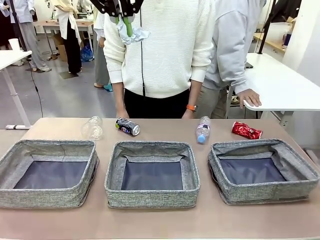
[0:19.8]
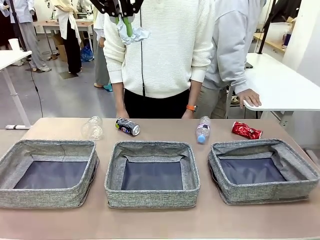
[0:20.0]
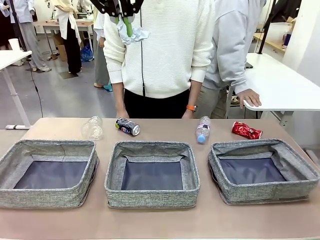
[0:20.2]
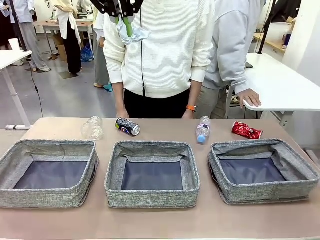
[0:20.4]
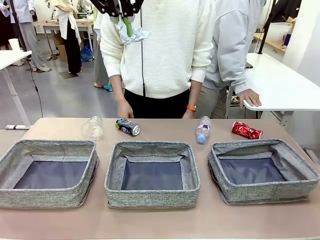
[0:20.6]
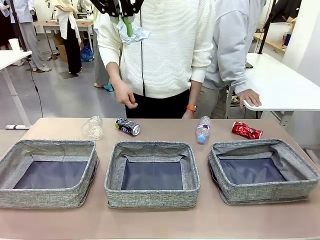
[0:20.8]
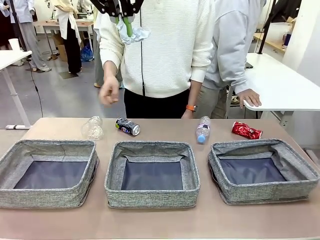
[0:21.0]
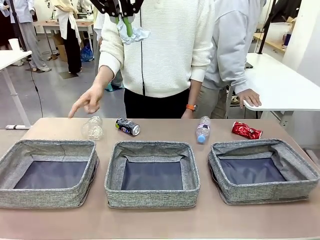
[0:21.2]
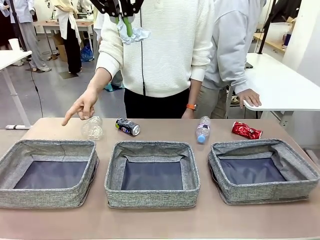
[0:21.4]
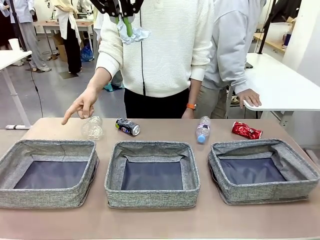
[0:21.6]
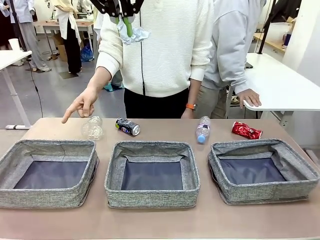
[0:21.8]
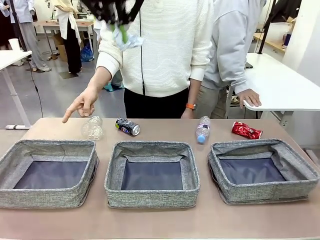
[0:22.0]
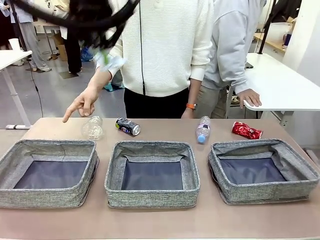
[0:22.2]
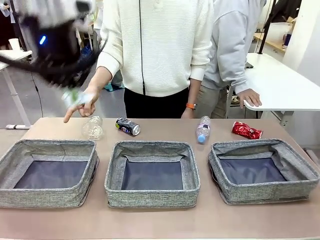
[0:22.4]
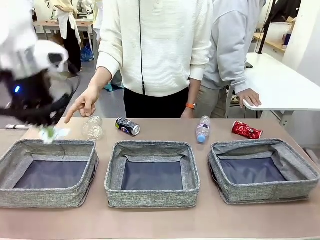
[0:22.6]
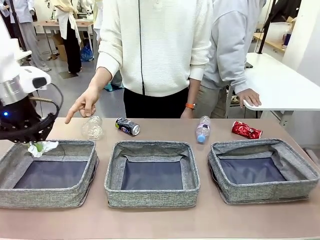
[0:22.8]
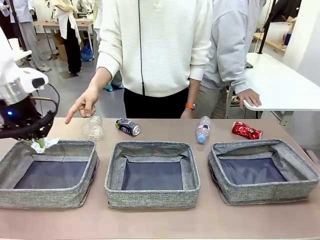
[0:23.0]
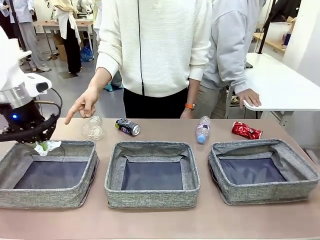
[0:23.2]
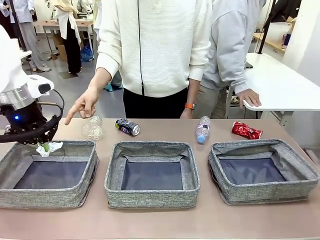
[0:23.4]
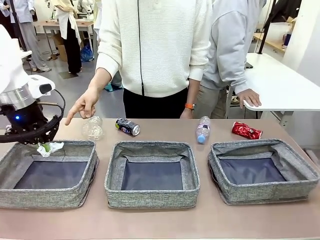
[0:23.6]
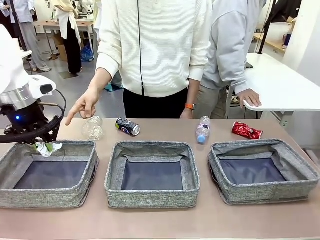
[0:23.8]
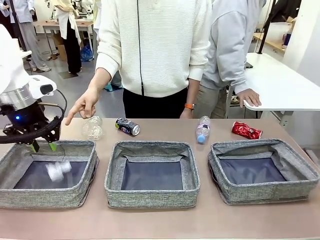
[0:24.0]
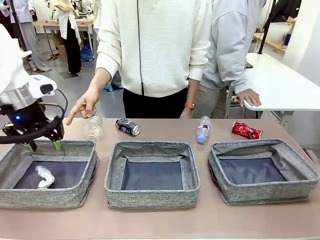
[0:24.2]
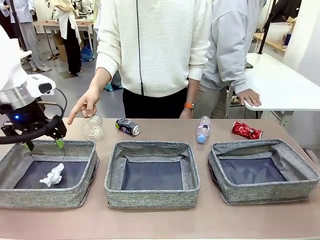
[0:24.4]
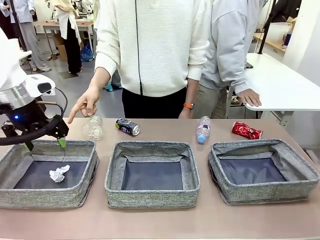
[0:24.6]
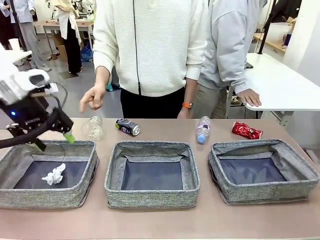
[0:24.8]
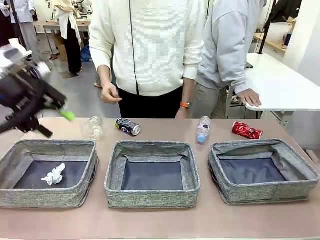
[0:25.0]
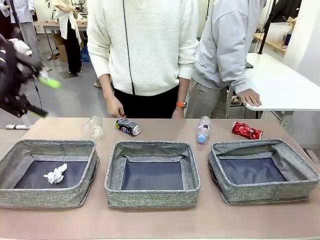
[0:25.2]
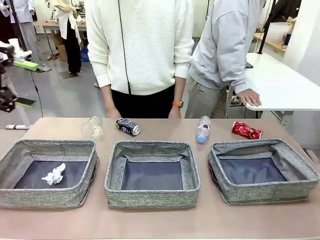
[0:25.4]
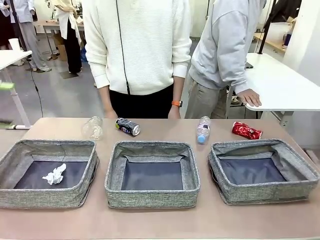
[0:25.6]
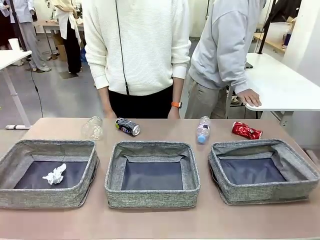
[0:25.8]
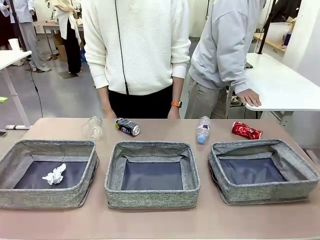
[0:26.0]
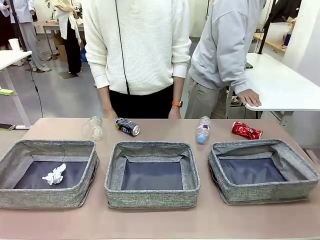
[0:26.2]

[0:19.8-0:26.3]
Task: Sort the waste into the appropriate baskets.
Robot: Place the picked waste into the Fabric basket indicated by the person.
Person: Instructs the robot to place the picked-up trash into the appropriate organizing basket.

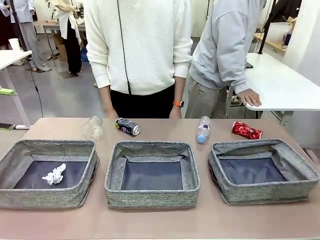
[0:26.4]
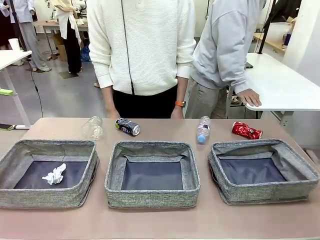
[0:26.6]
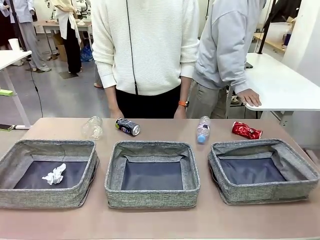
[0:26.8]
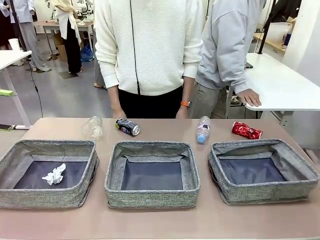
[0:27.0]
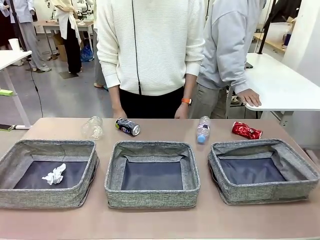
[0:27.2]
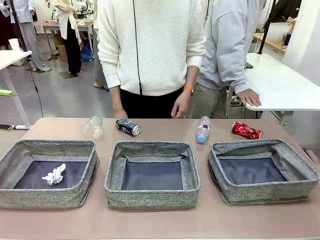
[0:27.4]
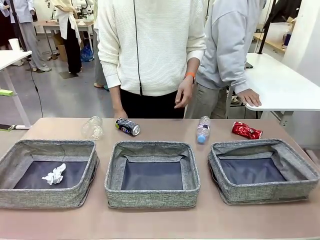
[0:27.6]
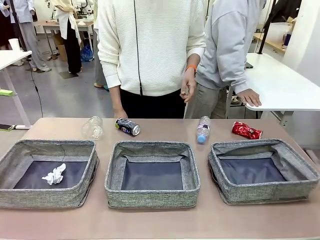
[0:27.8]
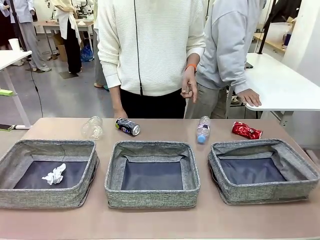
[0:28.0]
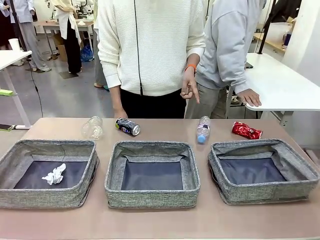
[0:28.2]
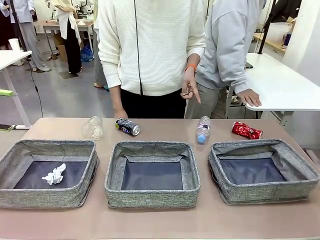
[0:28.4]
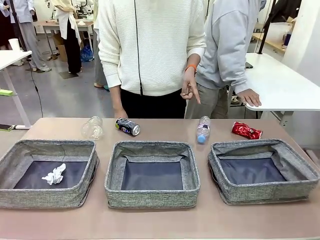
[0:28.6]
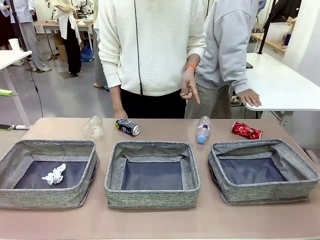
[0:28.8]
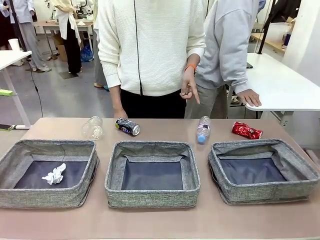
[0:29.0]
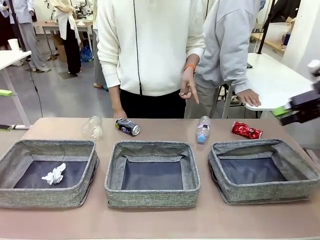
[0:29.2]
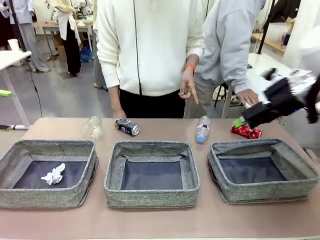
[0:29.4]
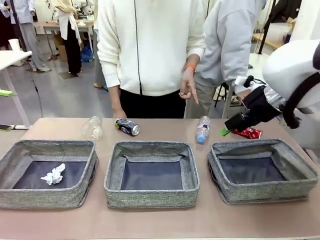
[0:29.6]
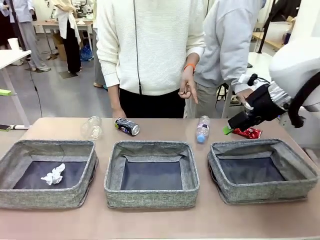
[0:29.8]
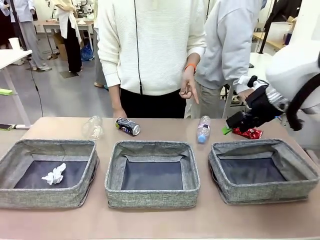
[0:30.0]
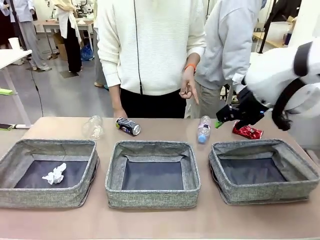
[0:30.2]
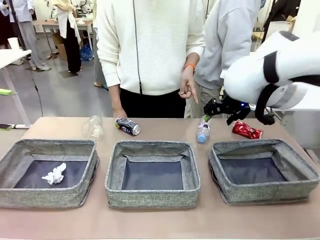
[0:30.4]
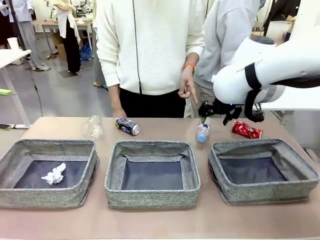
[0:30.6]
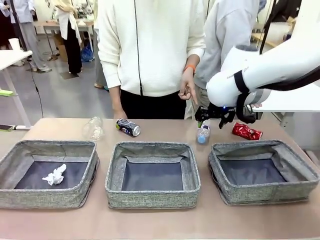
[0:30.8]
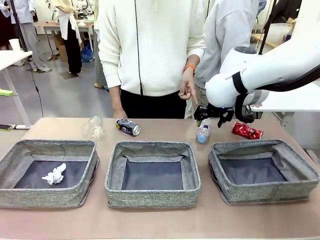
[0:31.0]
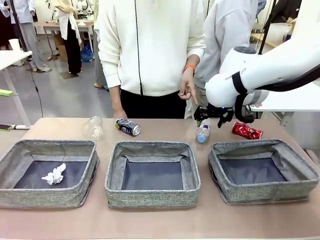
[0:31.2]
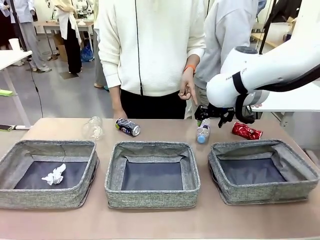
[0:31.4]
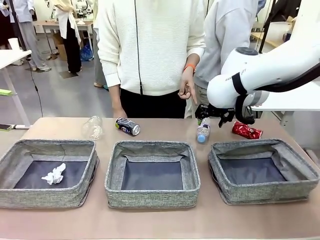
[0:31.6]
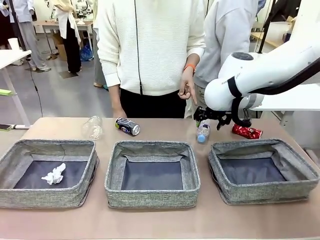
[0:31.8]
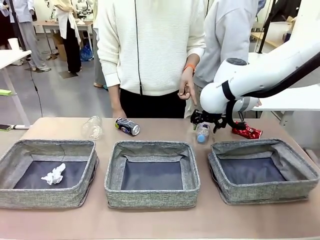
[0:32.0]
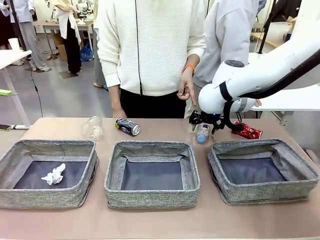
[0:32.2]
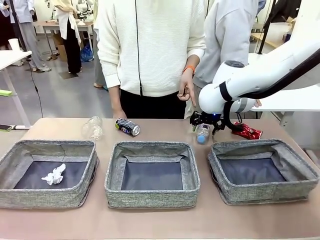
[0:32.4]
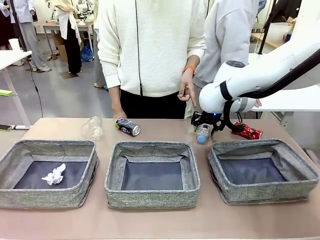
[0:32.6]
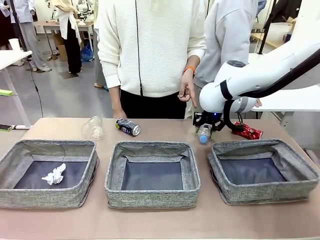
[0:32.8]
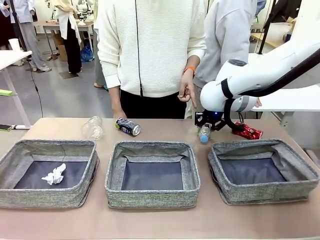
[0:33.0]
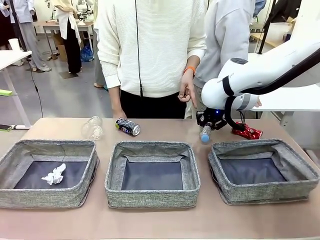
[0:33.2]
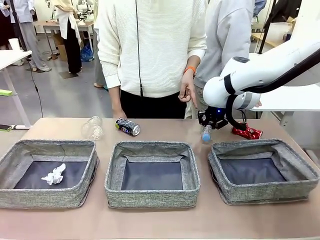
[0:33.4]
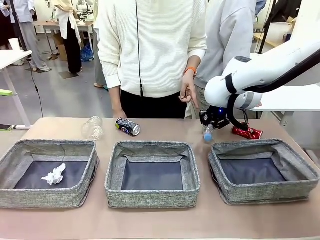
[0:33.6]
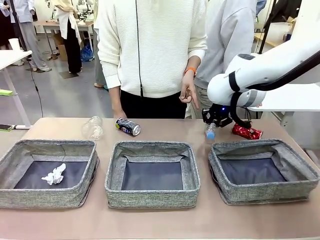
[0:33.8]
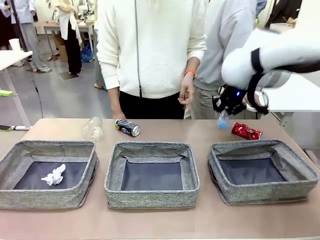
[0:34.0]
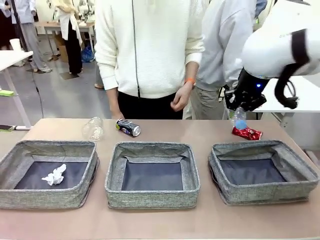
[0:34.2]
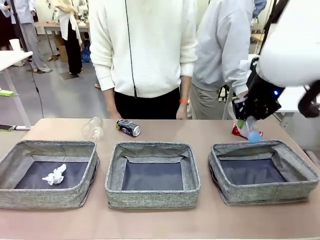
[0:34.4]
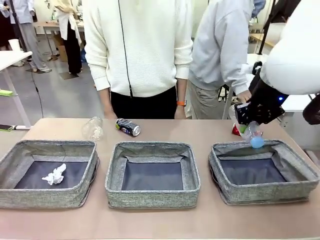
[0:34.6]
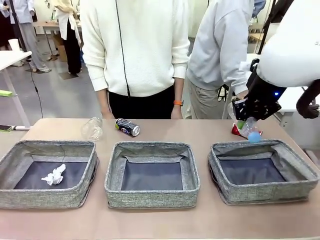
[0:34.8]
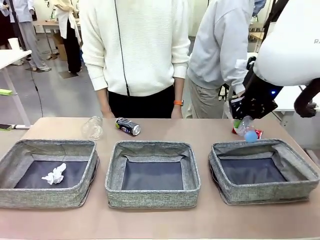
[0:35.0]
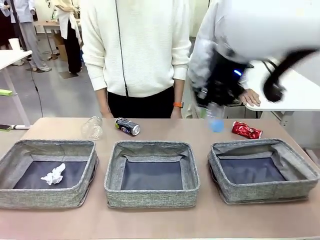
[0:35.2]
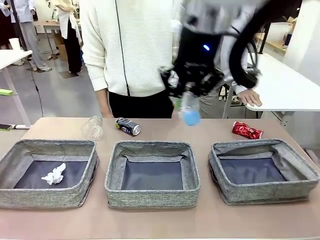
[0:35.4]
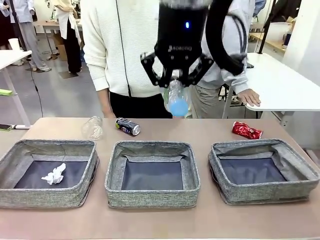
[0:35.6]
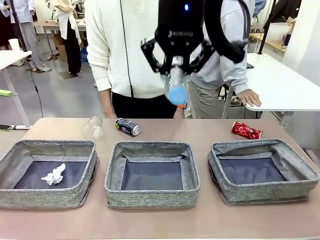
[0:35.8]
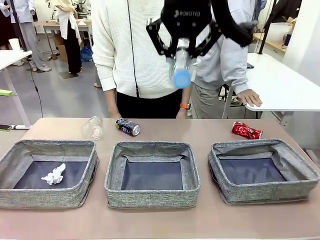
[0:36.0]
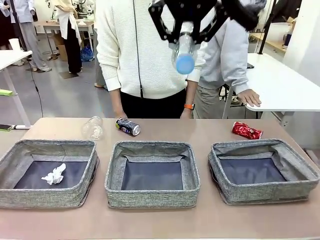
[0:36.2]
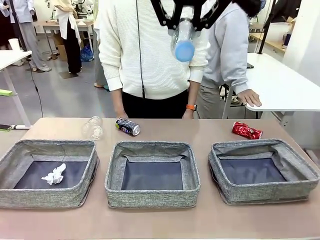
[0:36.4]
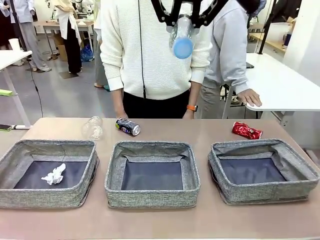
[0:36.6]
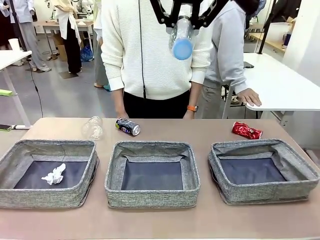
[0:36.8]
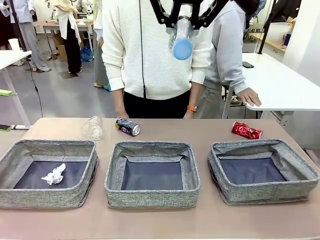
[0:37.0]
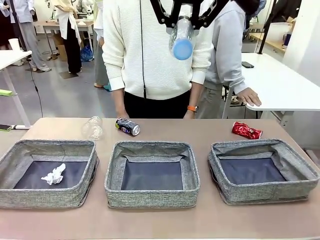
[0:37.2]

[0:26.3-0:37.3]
Robot: Pick up the waste item pointed out by the person.
Person: Points to one piece of trash on the table.

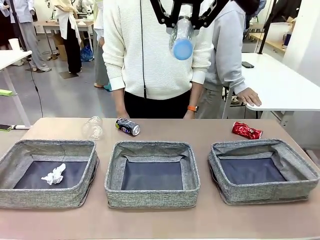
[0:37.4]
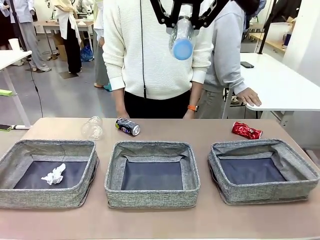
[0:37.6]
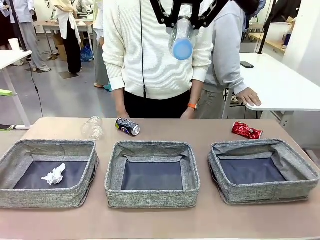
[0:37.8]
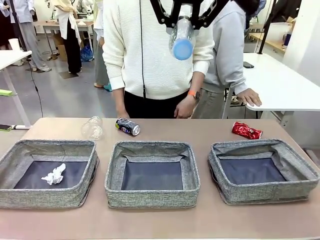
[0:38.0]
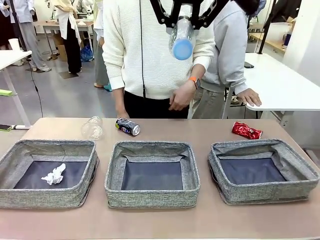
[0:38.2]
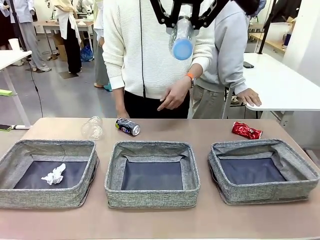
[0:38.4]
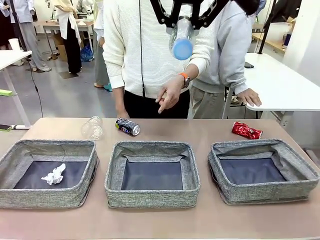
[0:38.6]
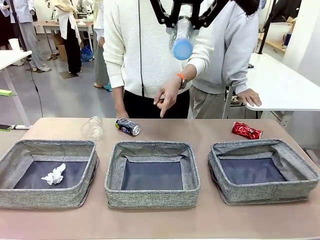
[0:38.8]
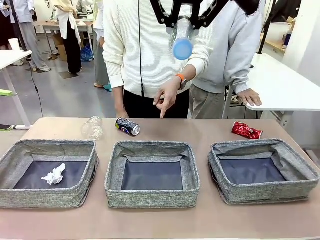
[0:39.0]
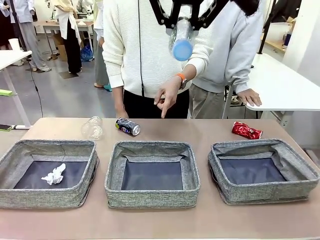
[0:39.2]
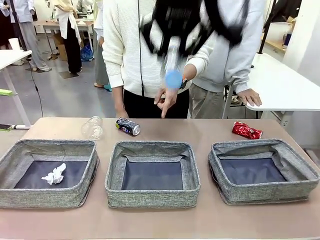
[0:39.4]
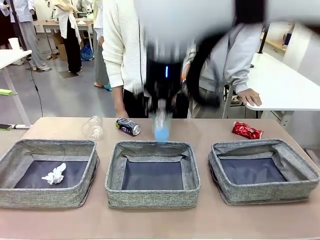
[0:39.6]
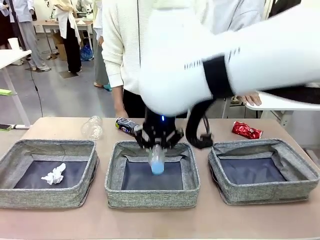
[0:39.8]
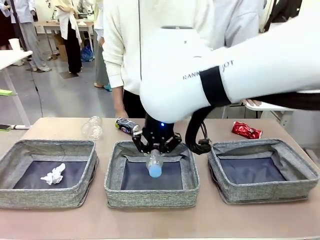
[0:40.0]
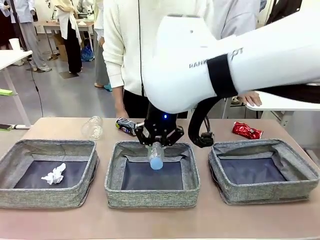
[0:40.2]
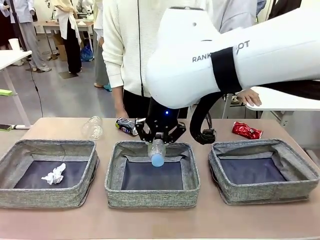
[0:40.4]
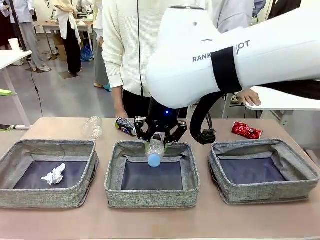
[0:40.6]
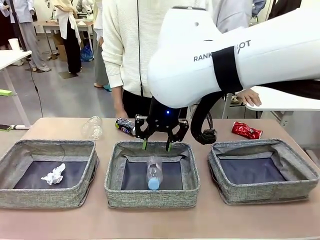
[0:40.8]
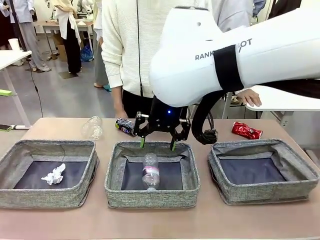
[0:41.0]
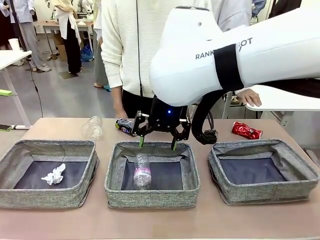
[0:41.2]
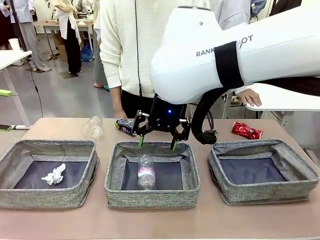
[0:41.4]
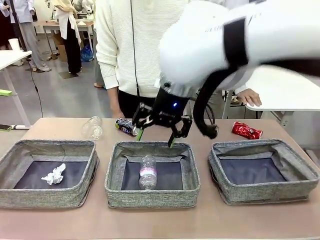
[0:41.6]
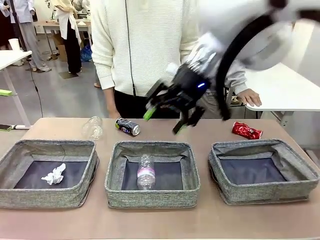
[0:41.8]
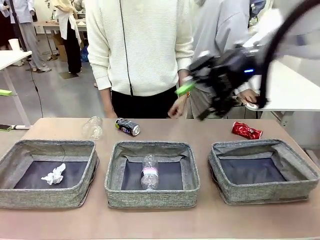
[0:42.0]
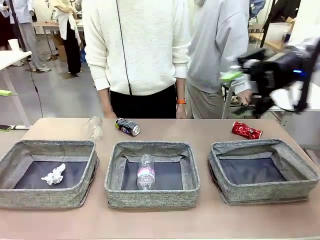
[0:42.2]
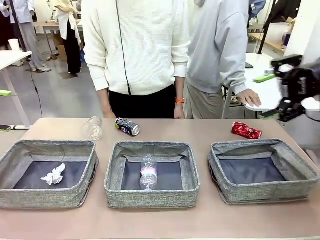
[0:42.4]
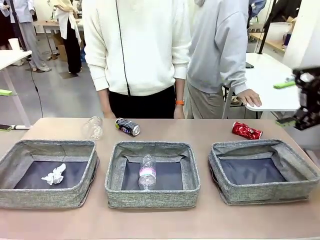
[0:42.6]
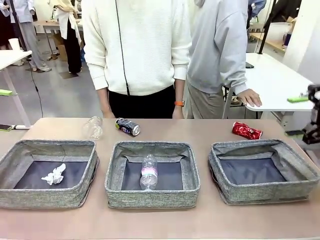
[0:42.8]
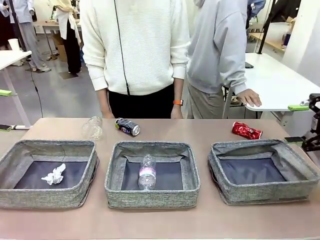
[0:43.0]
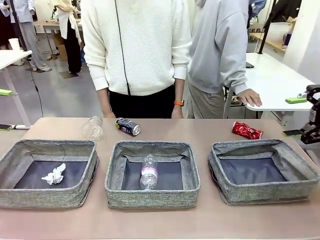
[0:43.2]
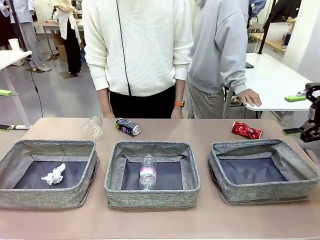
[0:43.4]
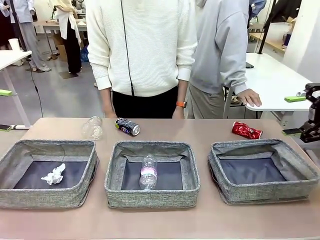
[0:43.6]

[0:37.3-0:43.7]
Robot: Place the picked waste into the Fabric basket indicated by the person.
Person: Instructs the robot to place the picked-up trash into the appropriate organizing basket.
